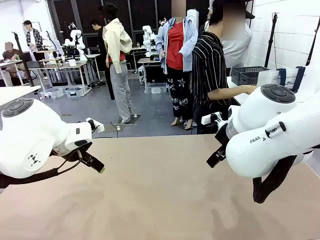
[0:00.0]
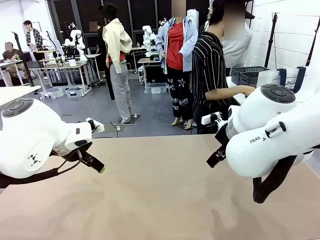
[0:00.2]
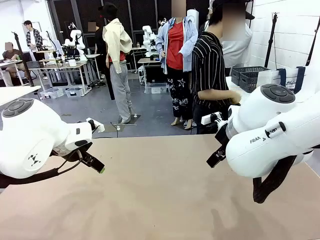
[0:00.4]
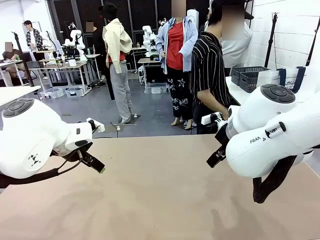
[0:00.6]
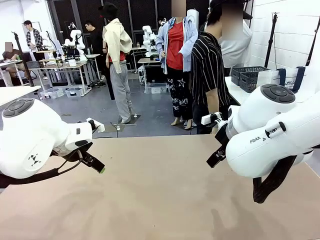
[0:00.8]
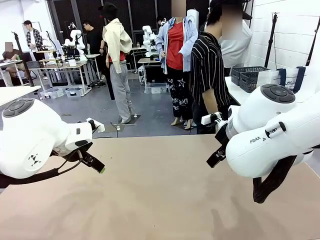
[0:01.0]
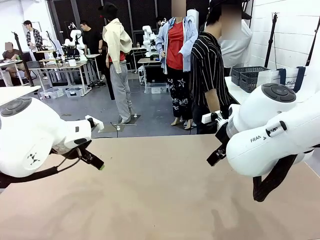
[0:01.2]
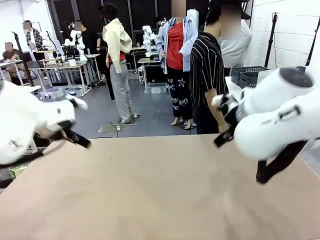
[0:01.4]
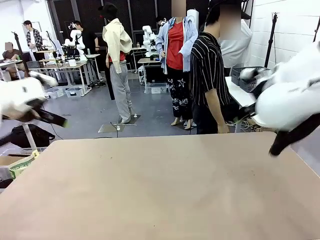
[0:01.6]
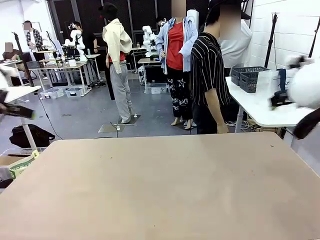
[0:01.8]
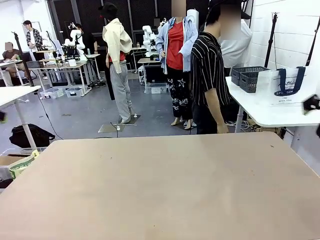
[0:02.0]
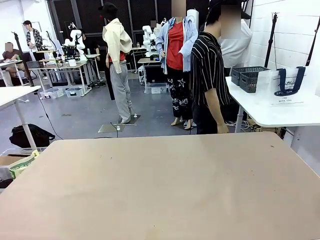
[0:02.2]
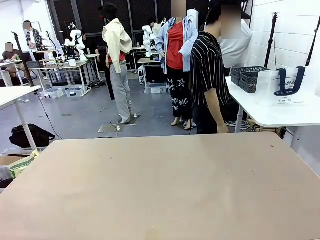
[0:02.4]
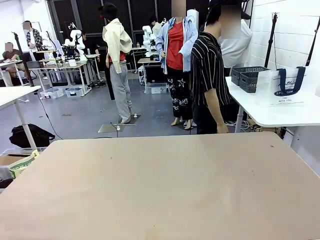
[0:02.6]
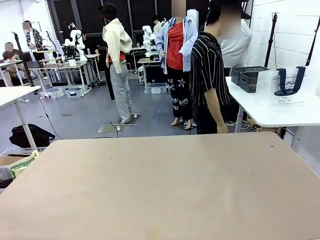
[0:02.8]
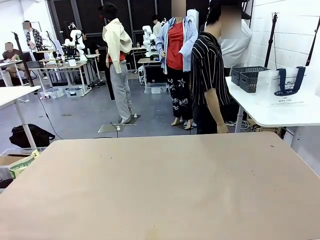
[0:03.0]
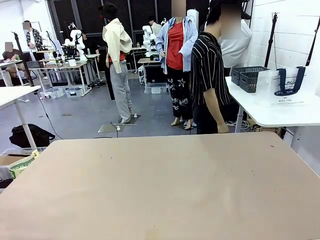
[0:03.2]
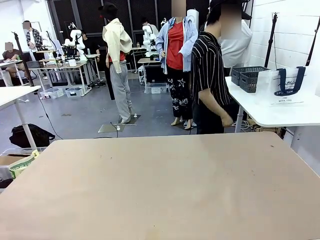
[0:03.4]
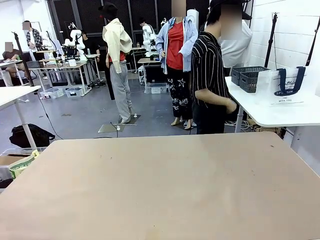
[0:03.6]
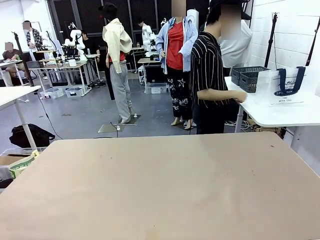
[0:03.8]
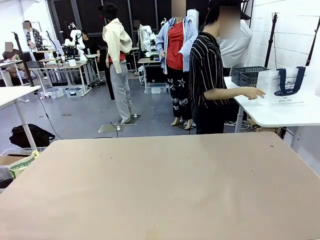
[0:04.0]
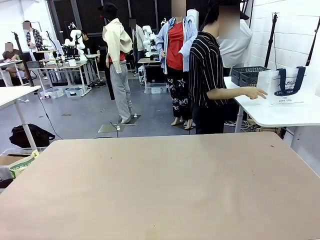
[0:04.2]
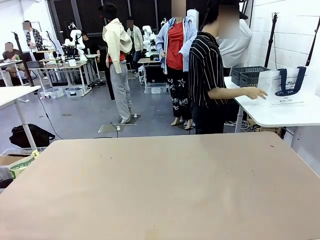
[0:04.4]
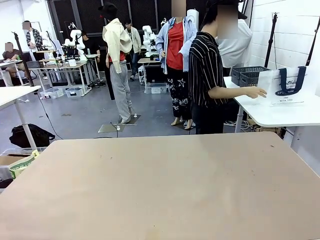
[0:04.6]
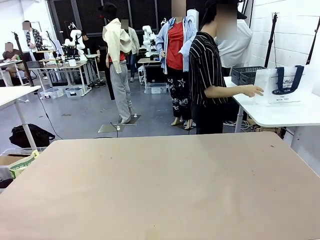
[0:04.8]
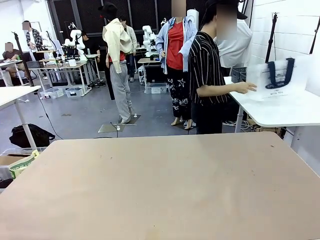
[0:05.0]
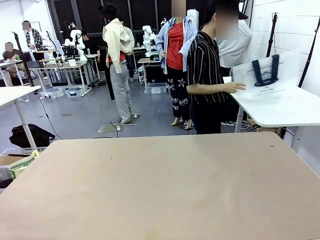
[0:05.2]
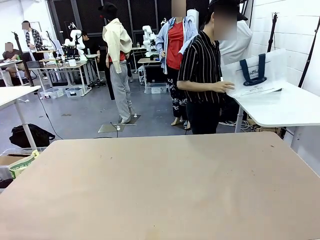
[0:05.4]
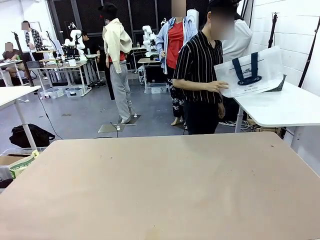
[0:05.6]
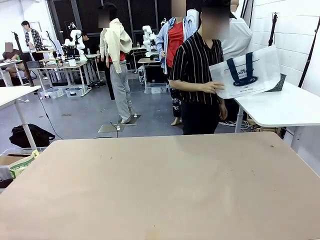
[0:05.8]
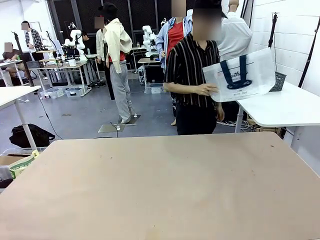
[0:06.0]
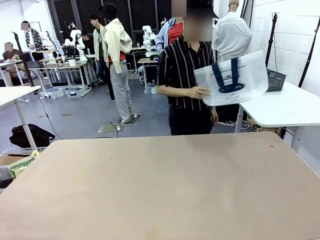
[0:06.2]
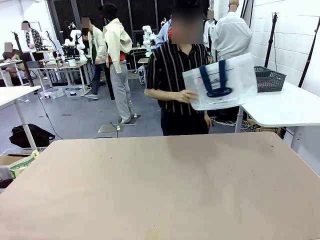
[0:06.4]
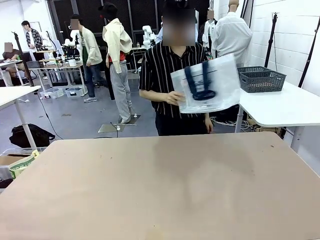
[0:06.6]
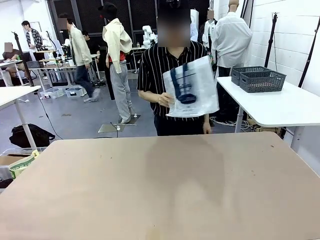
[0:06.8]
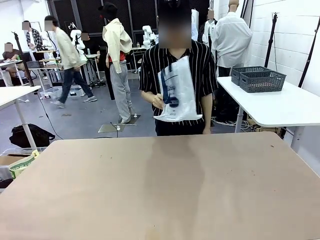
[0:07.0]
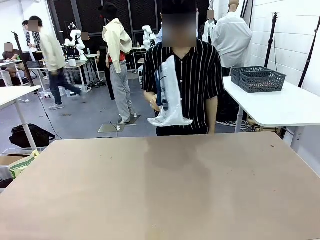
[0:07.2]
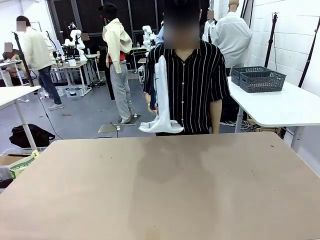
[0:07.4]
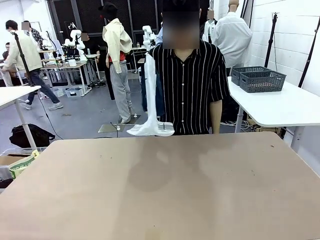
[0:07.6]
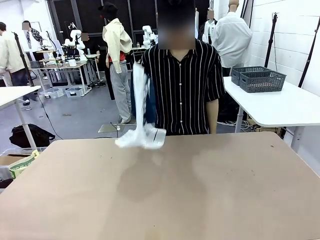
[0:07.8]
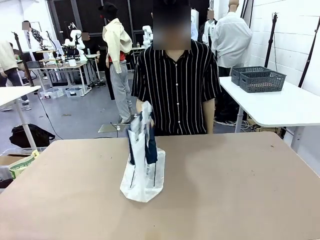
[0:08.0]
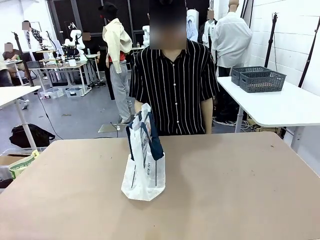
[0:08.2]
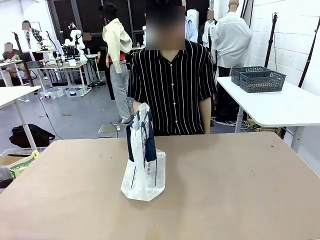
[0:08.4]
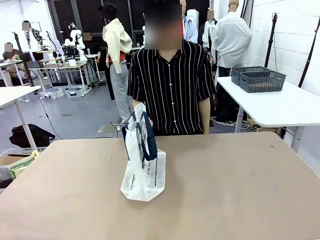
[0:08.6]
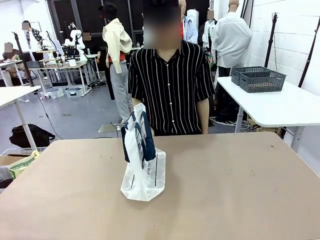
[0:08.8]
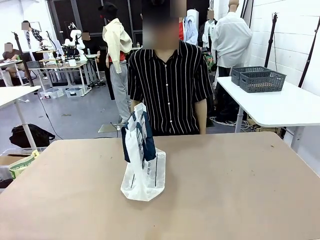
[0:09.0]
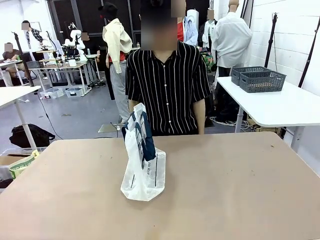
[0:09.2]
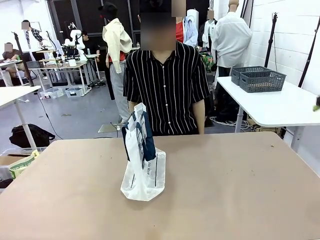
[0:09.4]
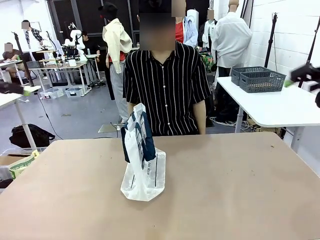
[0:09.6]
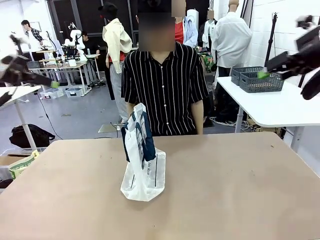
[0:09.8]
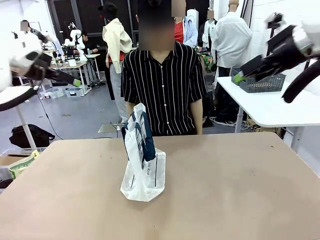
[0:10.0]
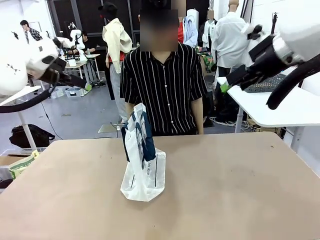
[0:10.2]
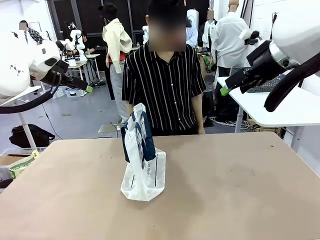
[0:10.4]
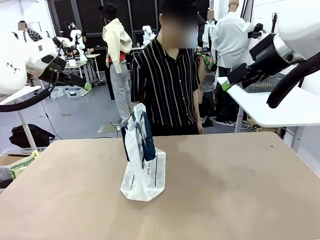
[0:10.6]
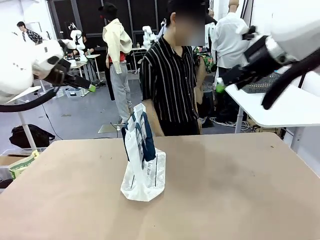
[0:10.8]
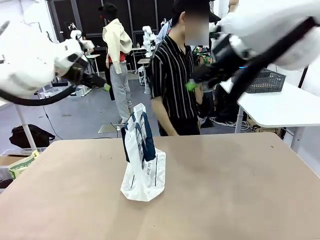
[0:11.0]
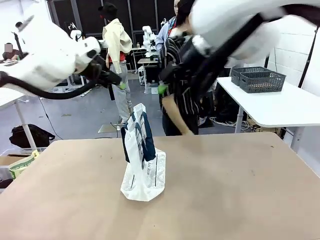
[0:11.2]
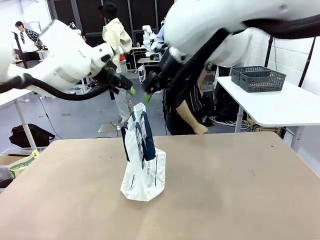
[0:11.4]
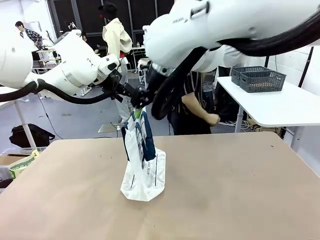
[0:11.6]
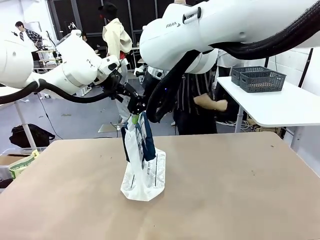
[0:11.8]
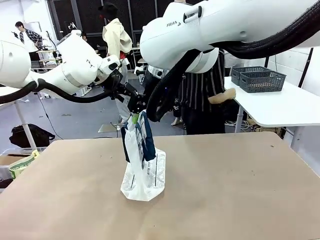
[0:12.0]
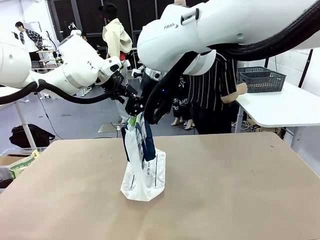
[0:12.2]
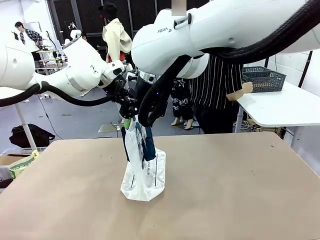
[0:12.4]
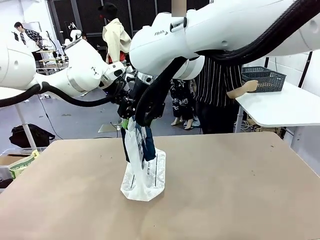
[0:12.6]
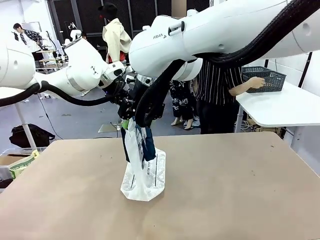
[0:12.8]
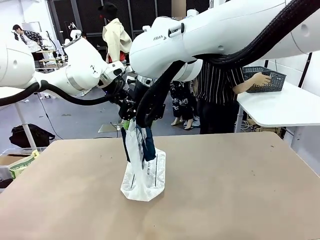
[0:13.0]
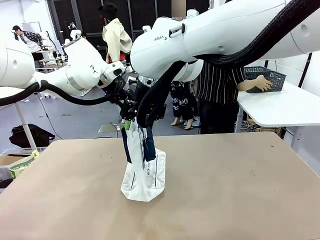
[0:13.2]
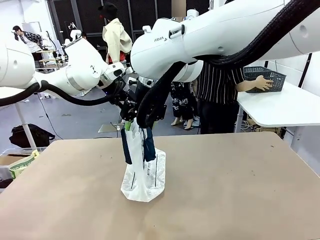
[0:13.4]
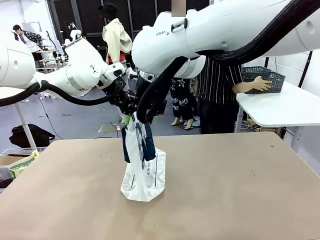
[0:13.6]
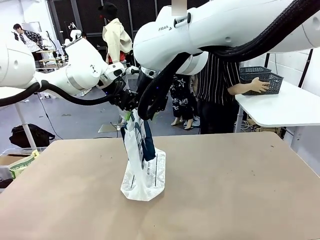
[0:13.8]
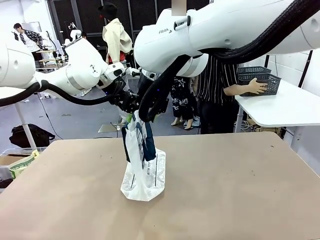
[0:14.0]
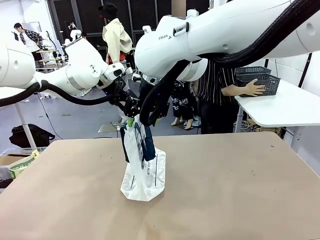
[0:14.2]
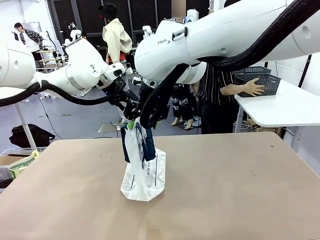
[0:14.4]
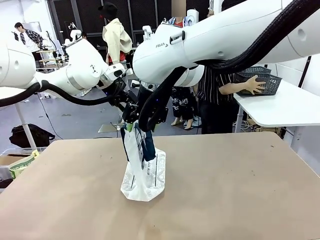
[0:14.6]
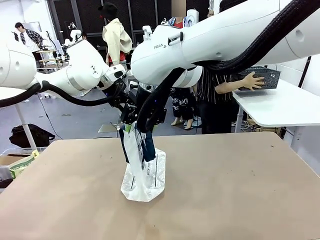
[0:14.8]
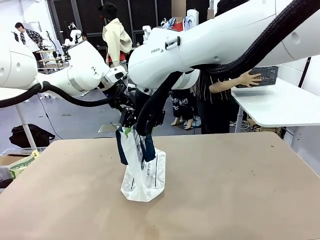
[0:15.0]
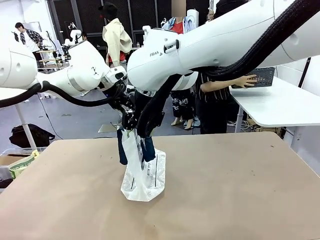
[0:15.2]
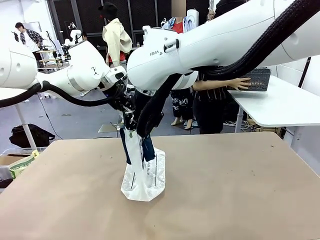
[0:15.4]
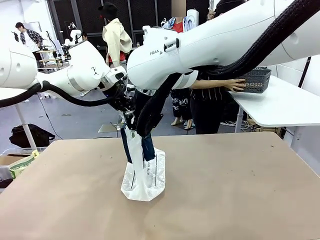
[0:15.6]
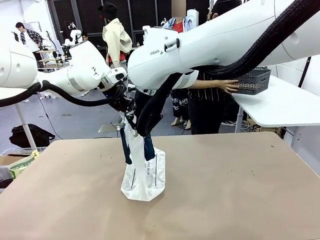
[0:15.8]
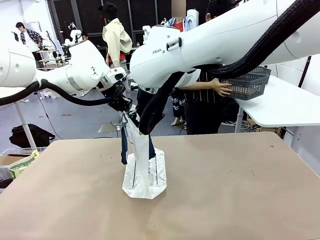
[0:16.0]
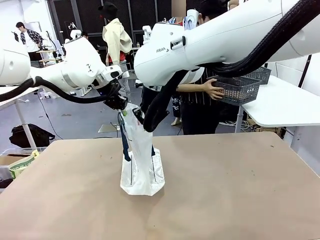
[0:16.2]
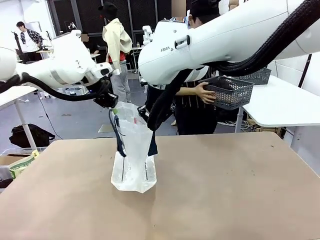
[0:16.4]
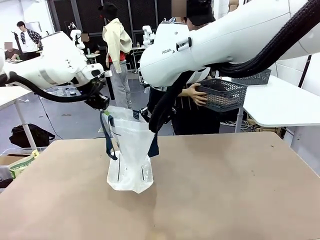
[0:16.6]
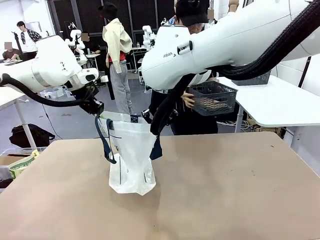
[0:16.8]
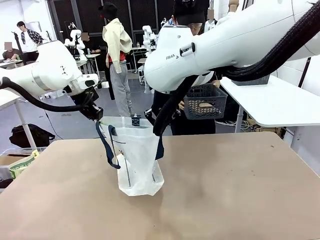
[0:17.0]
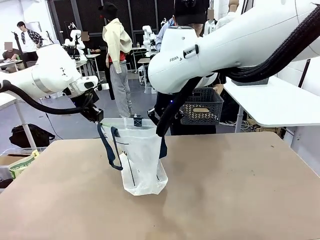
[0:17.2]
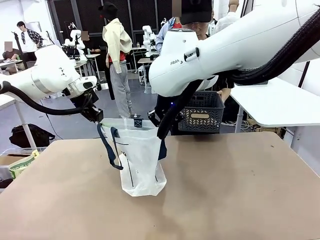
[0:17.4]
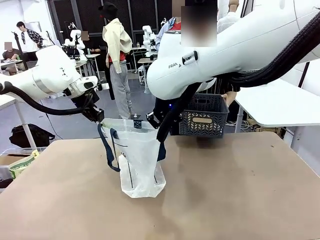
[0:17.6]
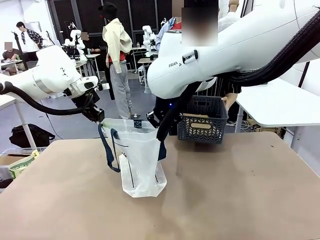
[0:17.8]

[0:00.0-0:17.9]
Task: Transfer purchased items from the store into the shopping bag.
Robot: Open the Reusable shopping bag in the center of the table.
Person: Pick up the shopping bag and place it in the middle of the robot table. Pick up the basket on the right, place it on the left side of the robot table, and move the items in the basket to the shopping bag.
